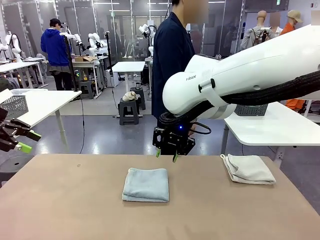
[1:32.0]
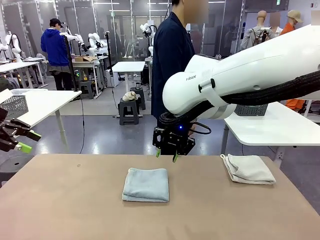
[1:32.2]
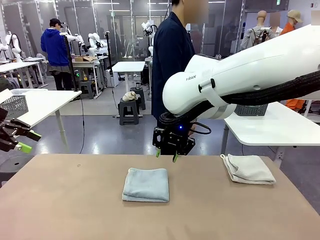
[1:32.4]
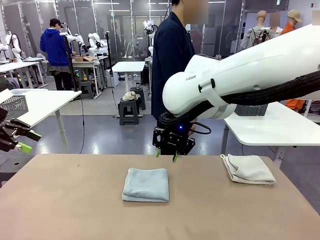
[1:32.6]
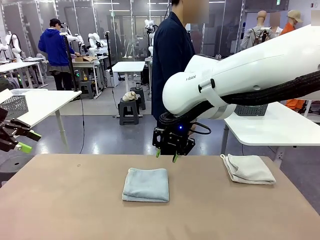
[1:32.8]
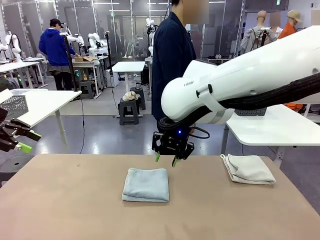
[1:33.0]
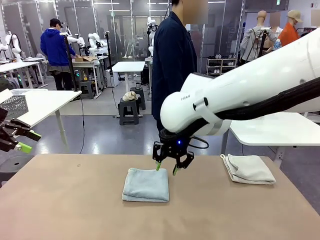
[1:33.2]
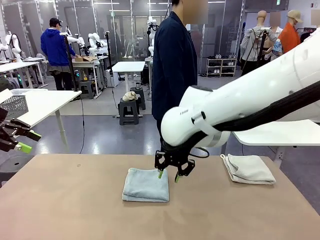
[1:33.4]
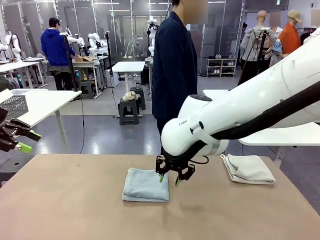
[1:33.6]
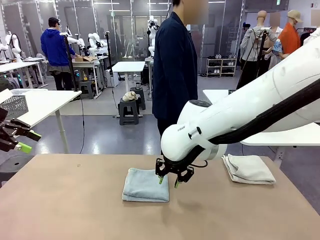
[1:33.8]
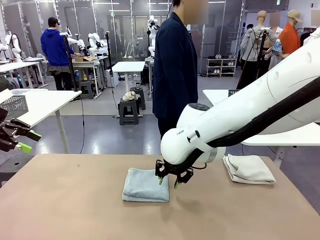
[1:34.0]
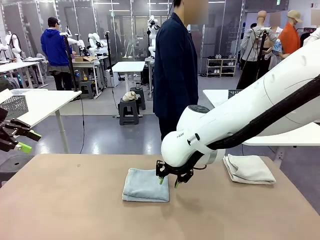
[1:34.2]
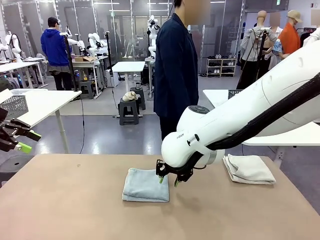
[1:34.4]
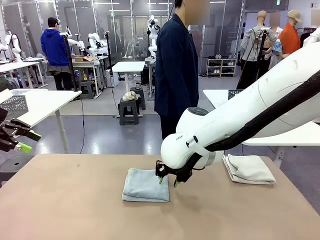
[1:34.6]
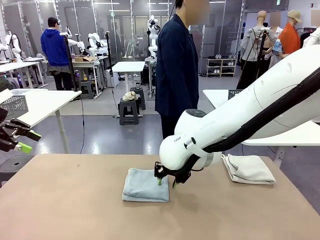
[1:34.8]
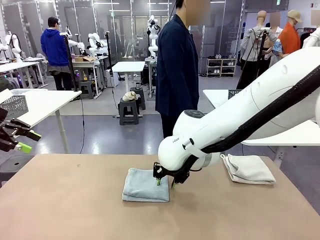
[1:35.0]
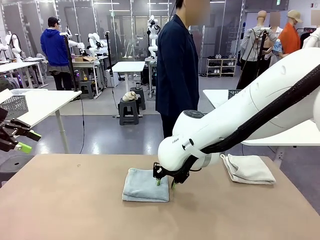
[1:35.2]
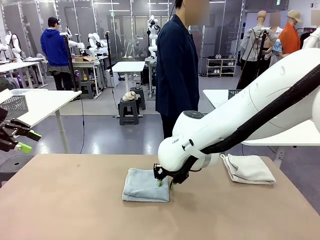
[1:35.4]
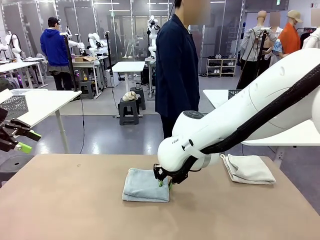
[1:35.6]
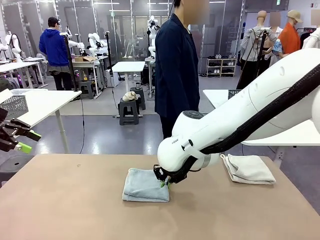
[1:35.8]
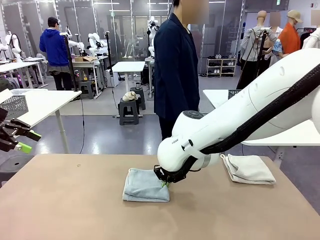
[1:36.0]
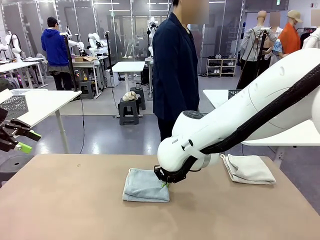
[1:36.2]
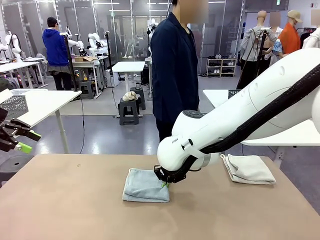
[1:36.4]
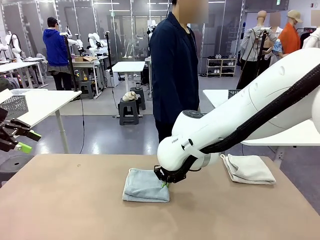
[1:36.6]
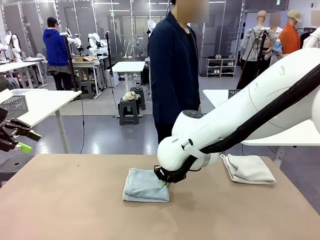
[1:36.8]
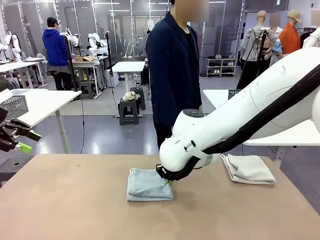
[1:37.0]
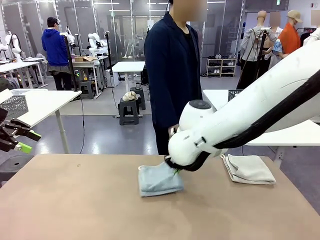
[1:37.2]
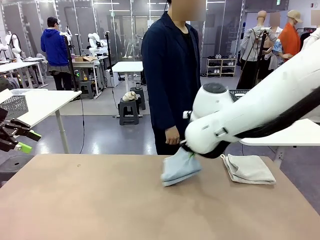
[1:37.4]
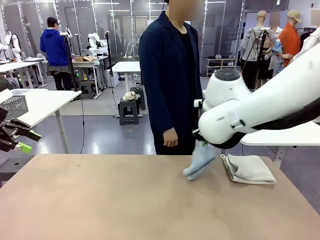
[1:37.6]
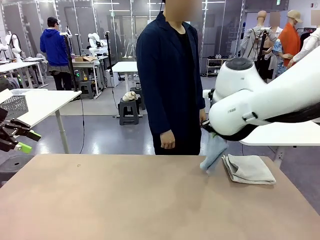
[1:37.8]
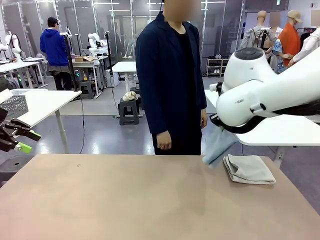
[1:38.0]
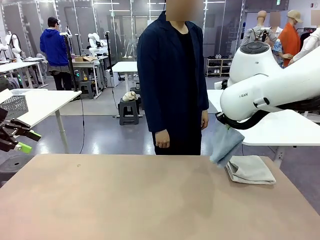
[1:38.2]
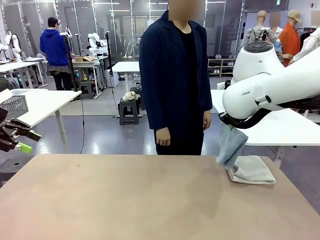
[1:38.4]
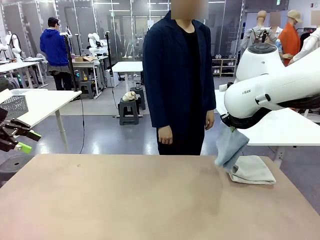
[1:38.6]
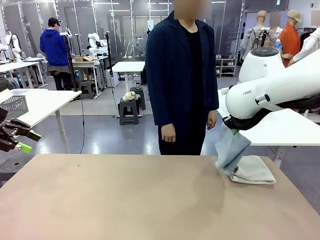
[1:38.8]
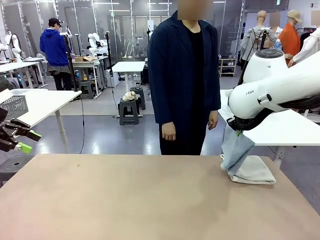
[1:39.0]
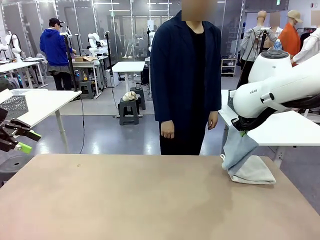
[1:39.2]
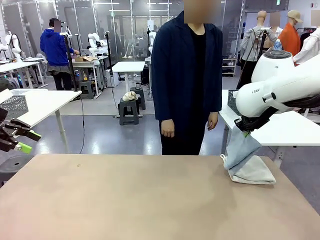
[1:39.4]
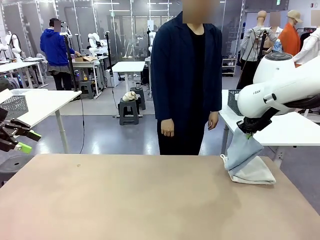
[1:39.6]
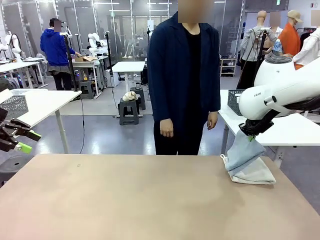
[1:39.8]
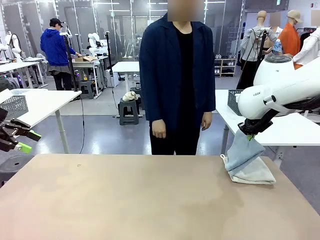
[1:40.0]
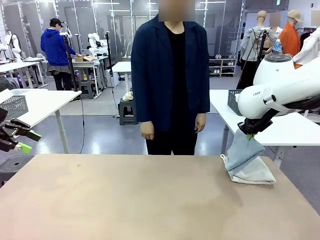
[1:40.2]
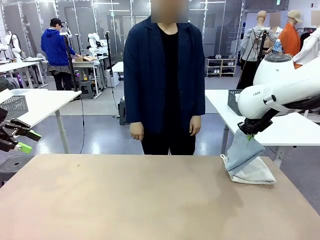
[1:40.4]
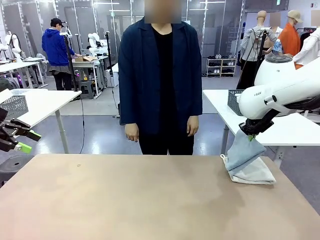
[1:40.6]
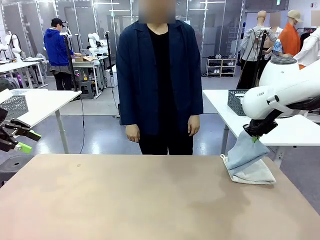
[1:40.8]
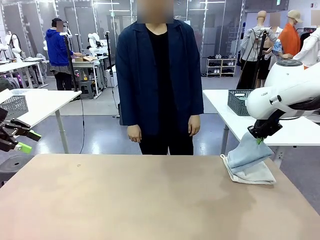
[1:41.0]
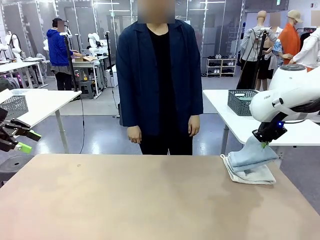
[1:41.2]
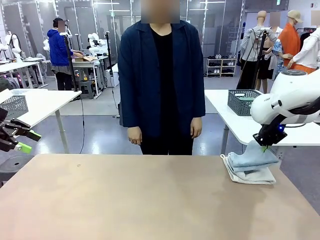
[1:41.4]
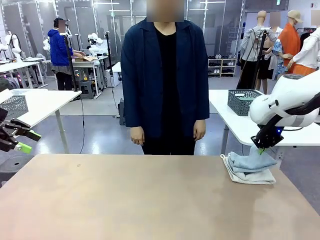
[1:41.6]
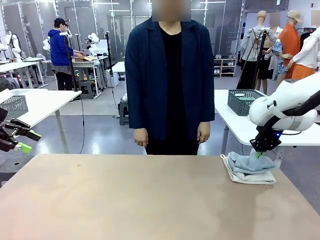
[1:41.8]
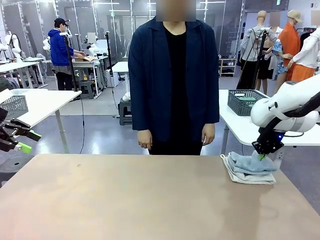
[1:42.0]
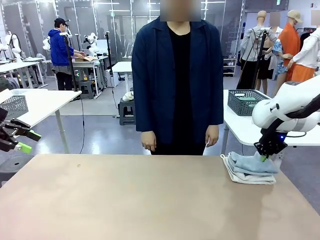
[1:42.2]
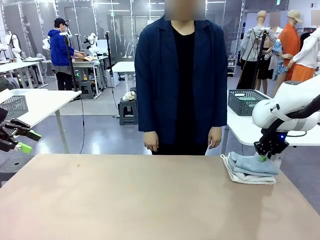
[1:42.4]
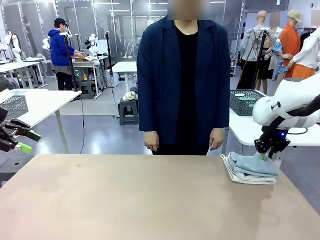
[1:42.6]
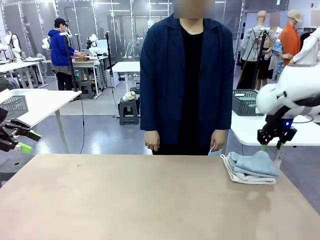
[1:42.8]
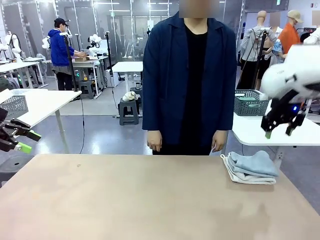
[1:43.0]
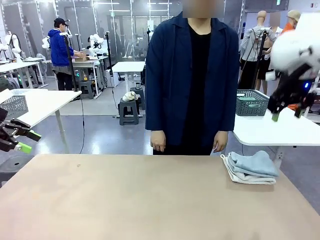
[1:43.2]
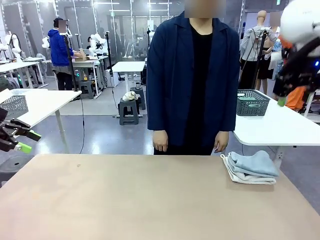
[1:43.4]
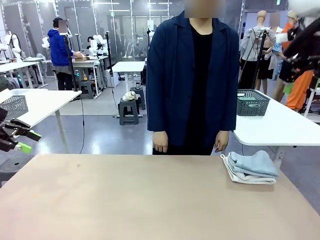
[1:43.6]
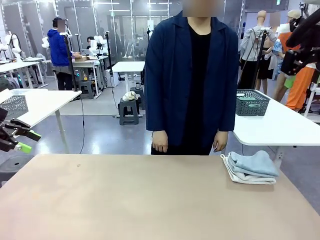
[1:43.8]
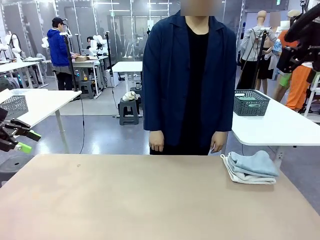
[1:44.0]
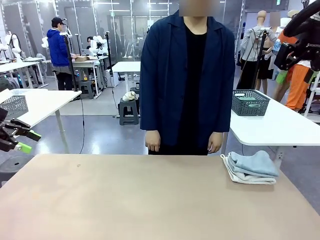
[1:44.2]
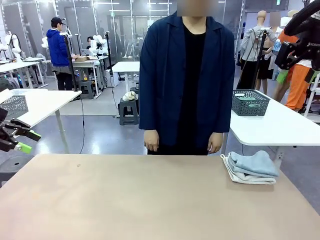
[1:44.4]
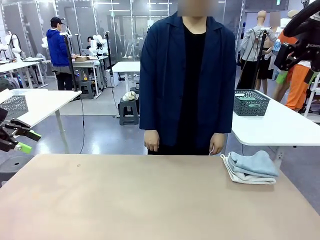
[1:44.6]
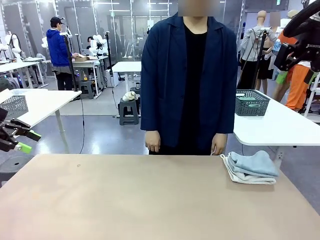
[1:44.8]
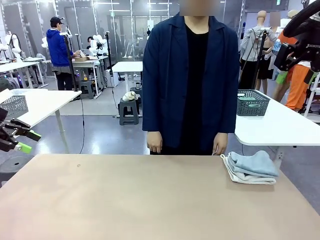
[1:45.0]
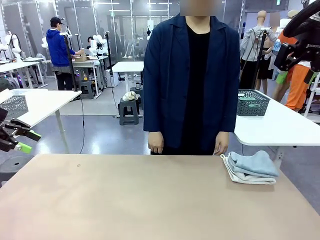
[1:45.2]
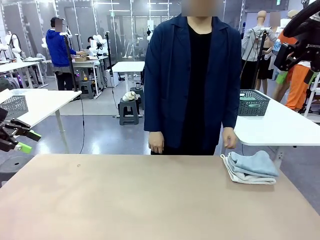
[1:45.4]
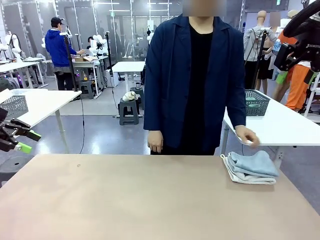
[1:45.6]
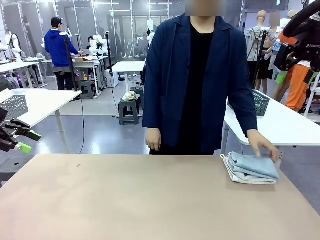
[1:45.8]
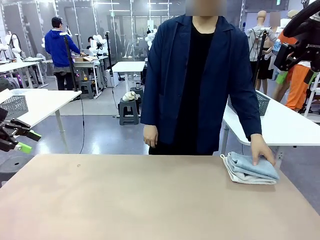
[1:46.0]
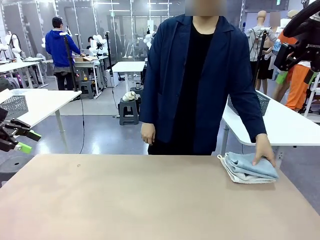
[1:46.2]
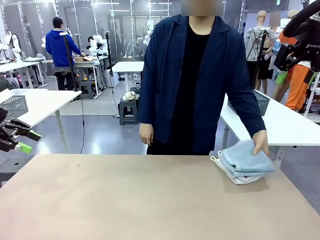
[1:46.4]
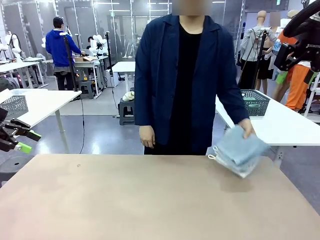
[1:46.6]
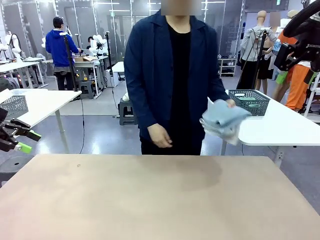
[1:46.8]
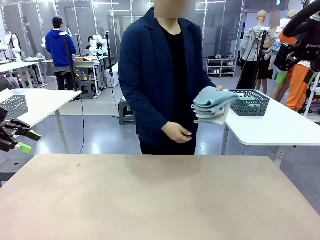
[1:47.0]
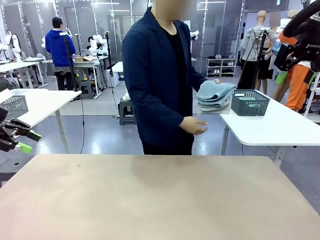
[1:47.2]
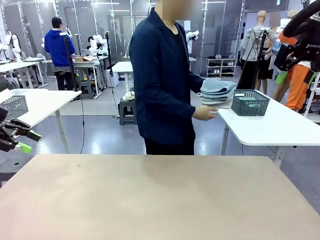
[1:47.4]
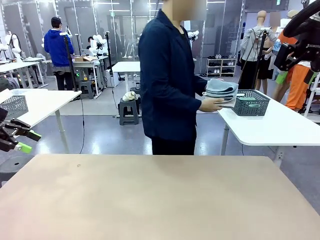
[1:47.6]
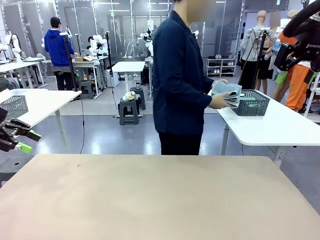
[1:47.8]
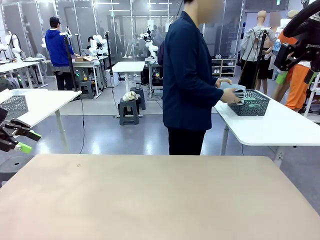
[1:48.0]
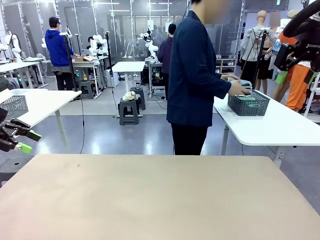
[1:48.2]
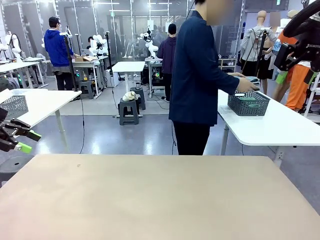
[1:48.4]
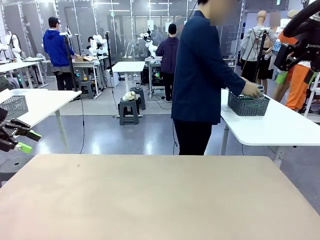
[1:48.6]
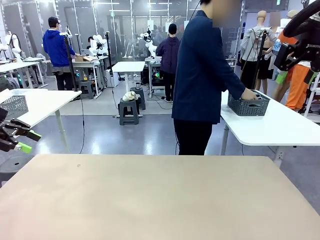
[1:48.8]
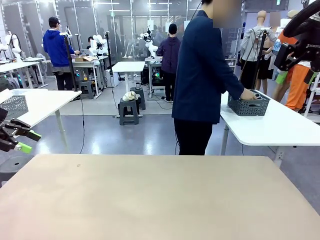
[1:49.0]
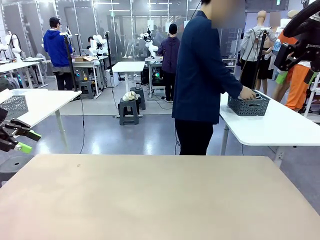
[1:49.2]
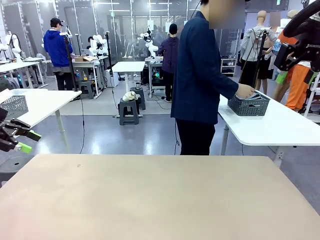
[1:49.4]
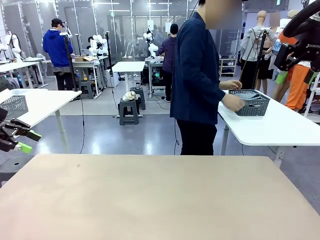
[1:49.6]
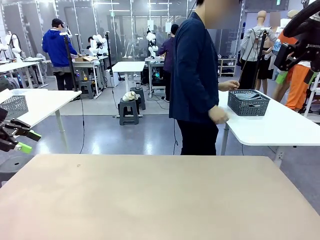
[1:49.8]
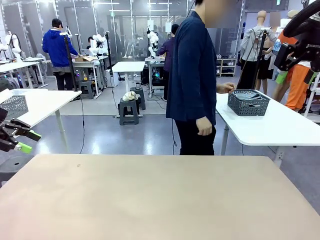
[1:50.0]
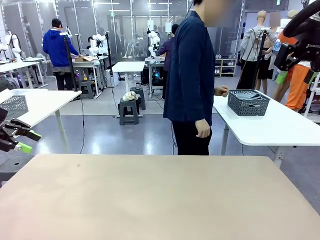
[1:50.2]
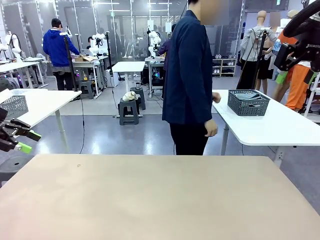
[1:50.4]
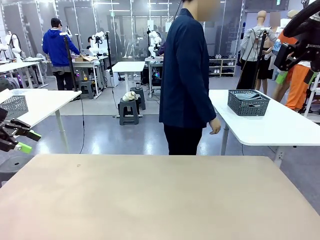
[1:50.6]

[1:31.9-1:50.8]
Task: Fold the towels and place them in the basket.
Robot: Stack the folded Towel with hook on the right side of the table.
Person: Pick up the stack of towels from the robot table and place it into the basket.
